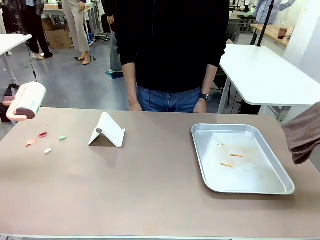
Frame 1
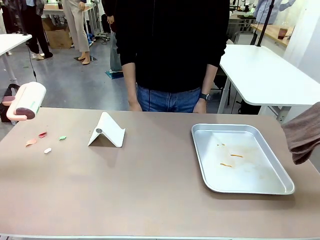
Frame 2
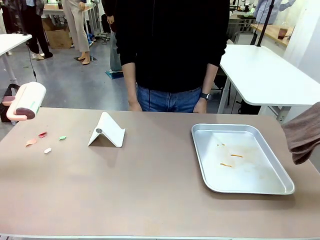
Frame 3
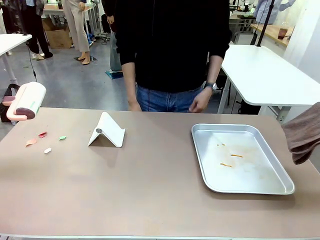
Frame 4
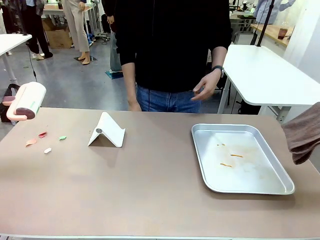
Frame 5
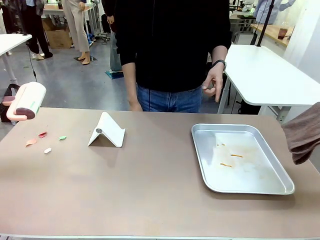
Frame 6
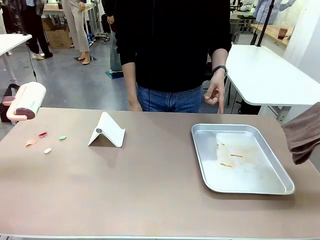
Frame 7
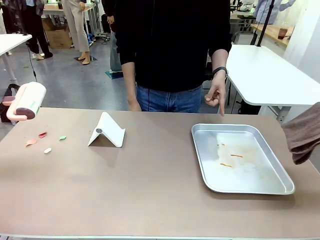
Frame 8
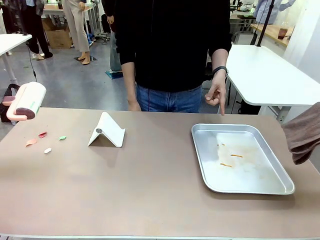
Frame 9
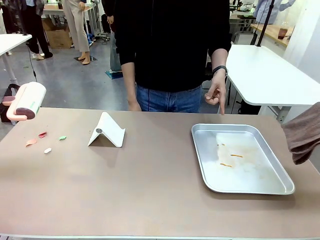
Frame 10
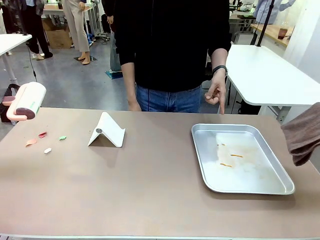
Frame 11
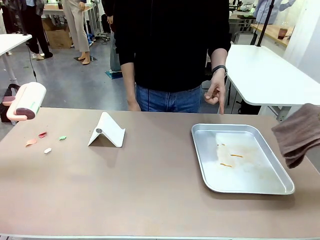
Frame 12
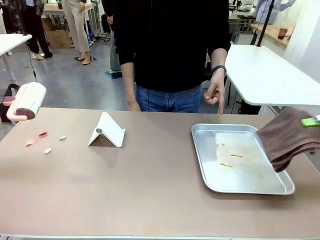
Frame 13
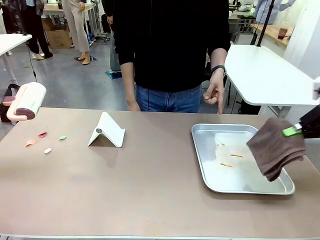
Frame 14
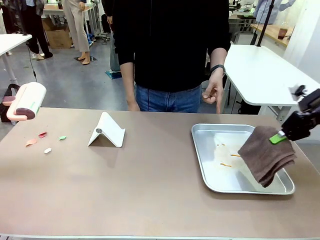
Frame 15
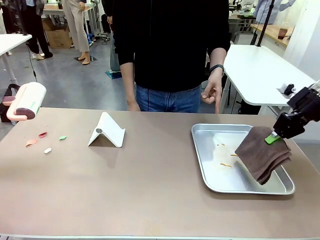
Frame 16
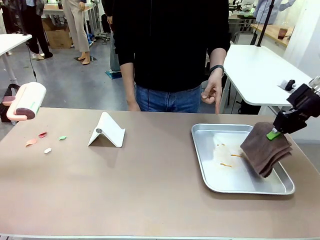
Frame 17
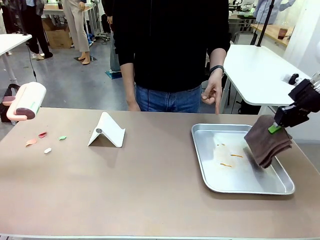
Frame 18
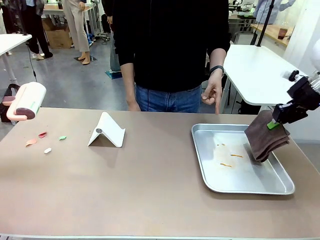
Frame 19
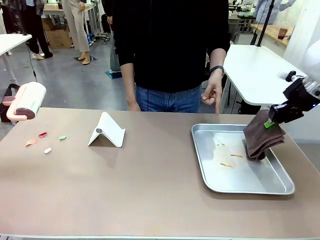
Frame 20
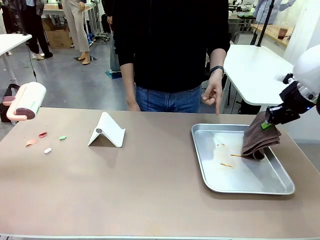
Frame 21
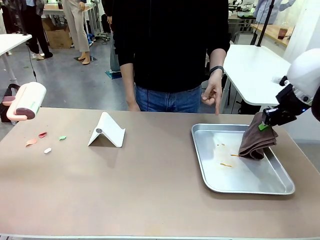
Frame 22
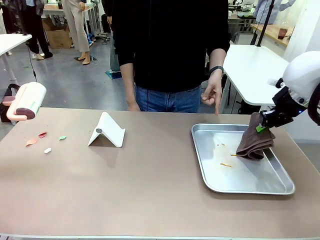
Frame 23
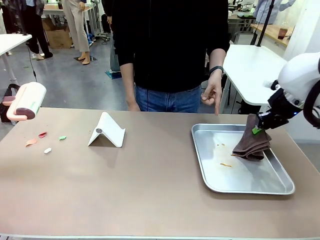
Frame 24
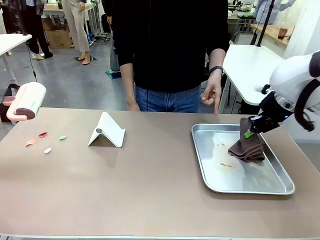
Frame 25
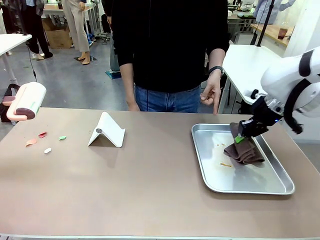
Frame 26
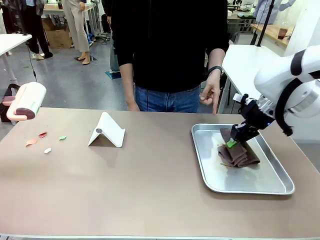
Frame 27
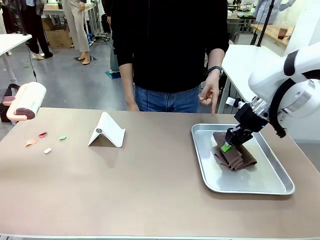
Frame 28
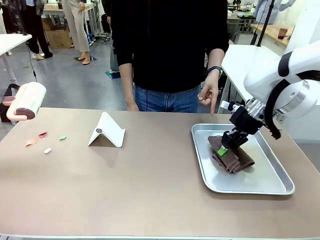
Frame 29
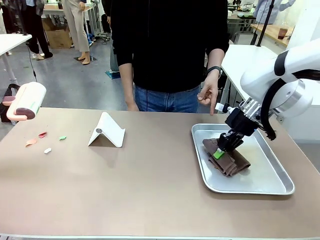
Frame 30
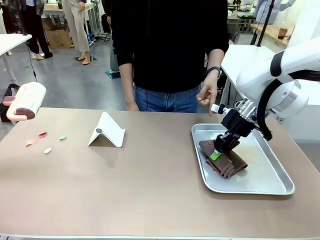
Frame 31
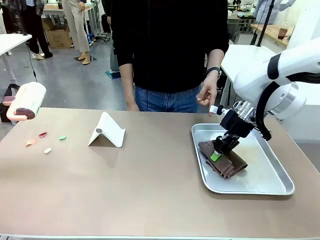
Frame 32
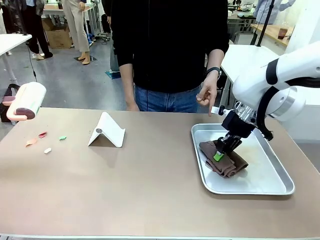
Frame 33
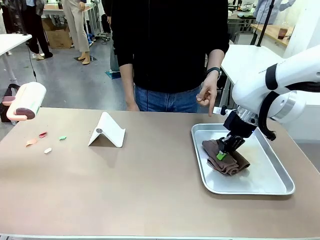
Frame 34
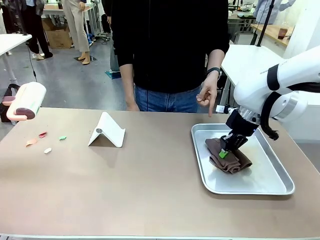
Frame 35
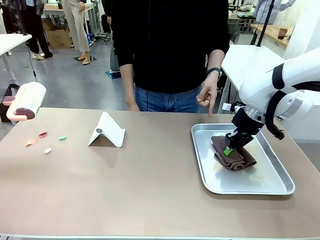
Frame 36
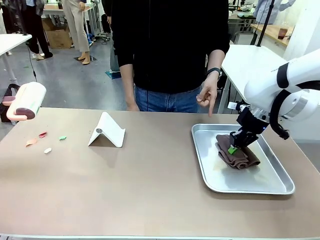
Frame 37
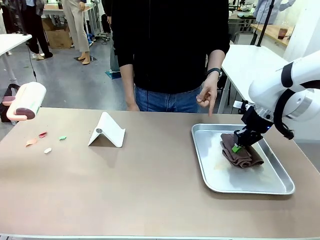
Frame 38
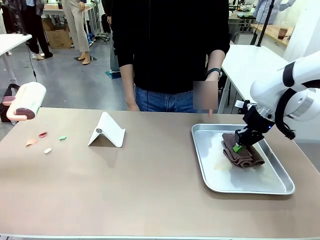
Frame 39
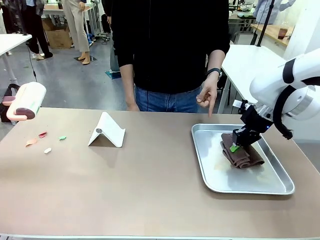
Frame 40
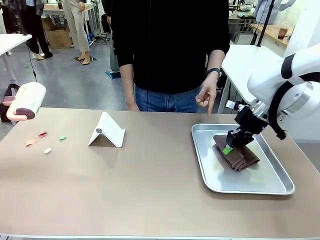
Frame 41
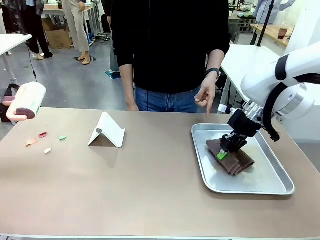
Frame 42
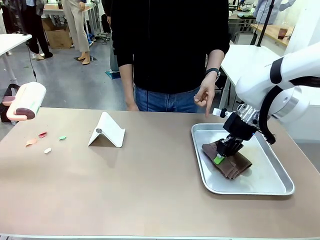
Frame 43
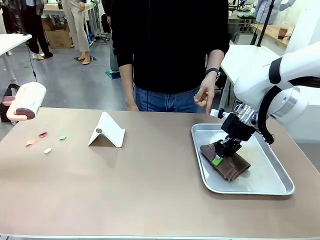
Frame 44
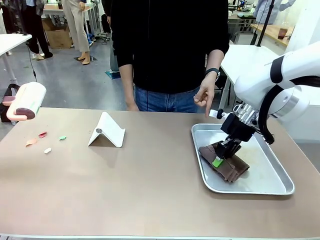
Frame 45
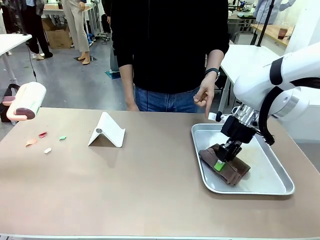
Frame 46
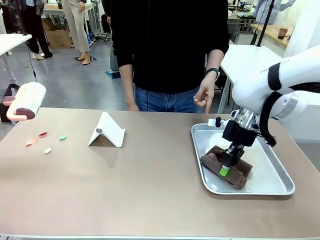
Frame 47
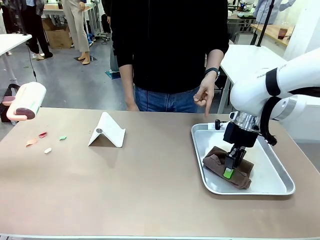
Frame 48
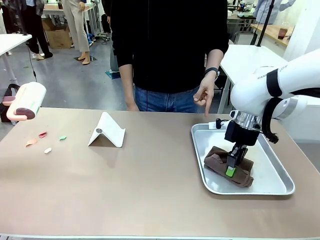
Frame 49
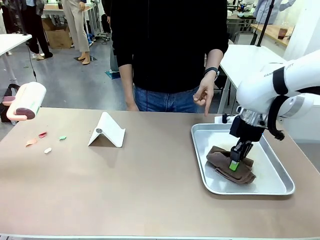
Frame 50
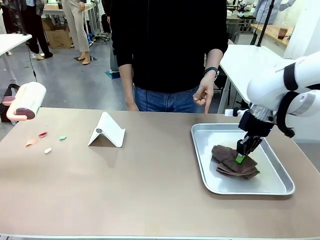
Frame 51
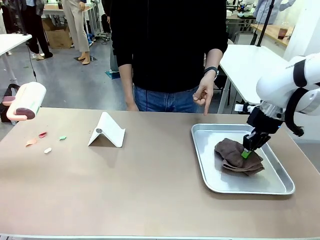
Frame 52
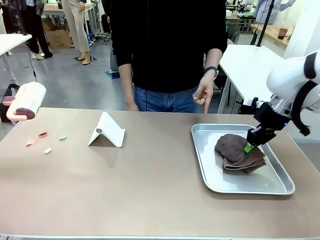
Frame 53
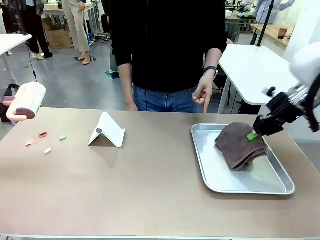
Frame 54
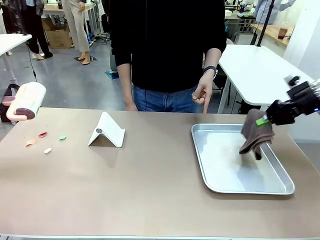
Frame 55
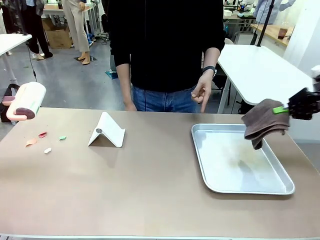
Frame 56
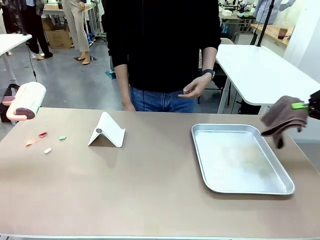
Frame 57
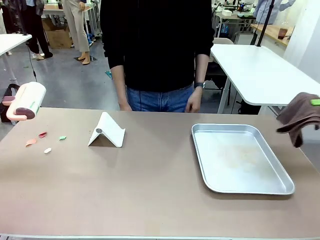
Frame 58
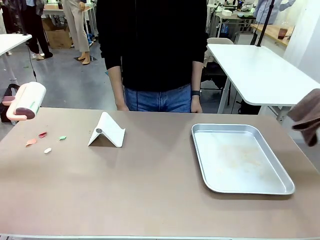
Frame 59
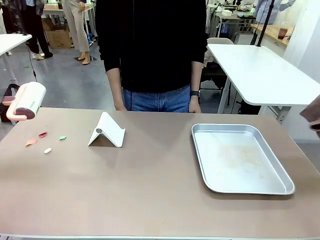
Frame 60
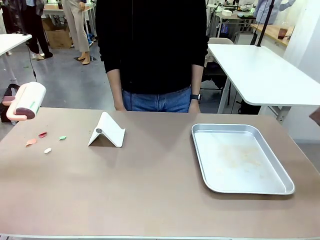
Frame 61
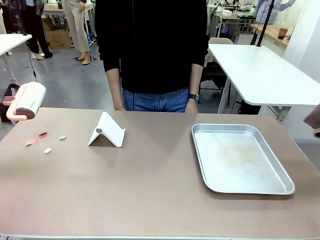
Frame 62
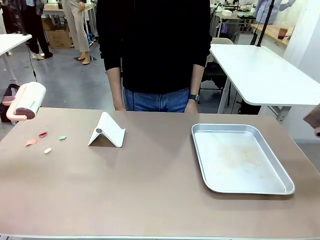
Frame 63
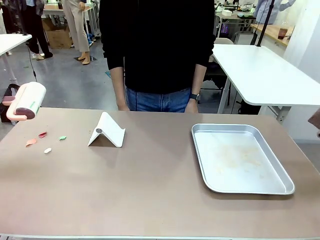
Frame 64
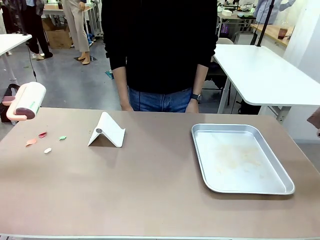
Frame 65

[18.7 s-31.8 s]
Task: Clean the surface of the table.
Robot: If a person points to the right, clean the right side of the table with your right hand, and if they point to the left, clean the left side with your left hand.

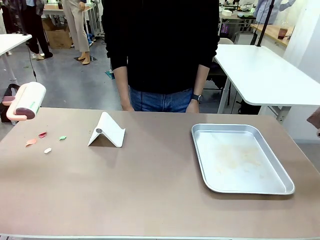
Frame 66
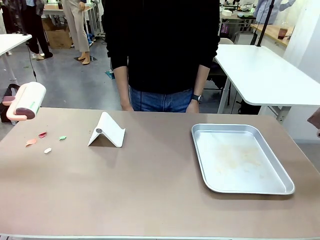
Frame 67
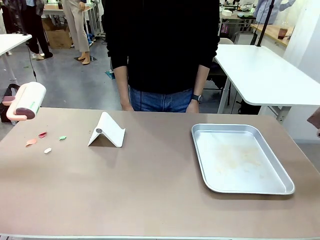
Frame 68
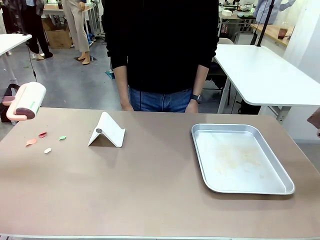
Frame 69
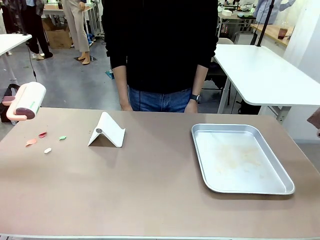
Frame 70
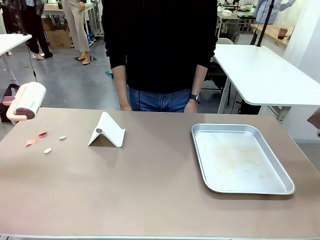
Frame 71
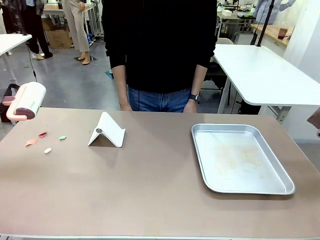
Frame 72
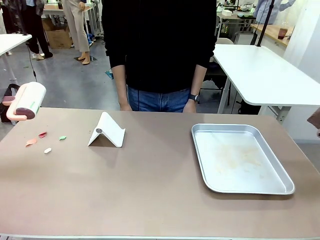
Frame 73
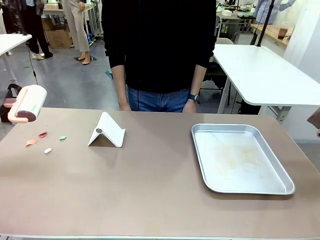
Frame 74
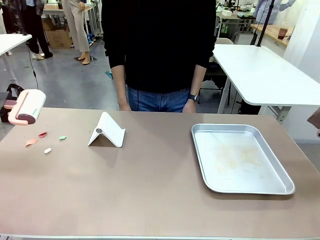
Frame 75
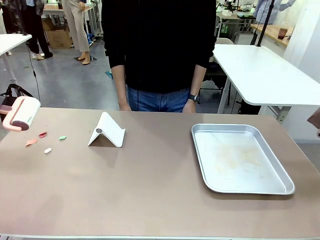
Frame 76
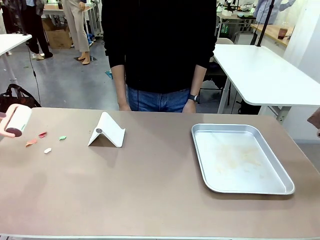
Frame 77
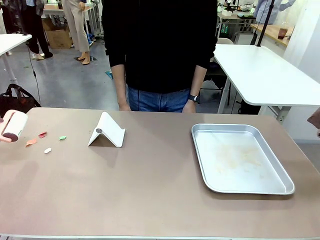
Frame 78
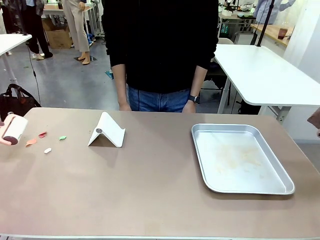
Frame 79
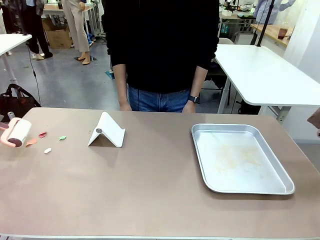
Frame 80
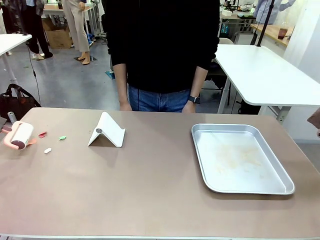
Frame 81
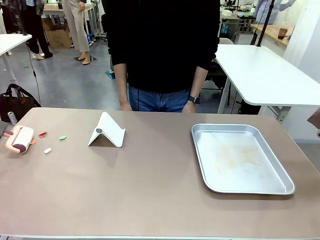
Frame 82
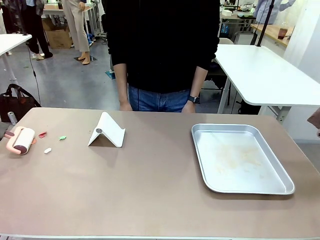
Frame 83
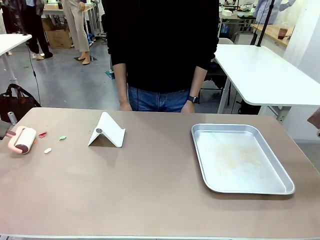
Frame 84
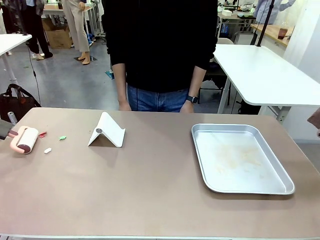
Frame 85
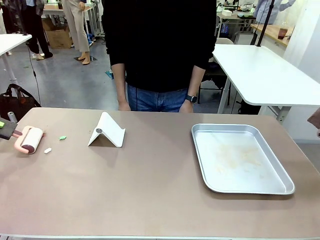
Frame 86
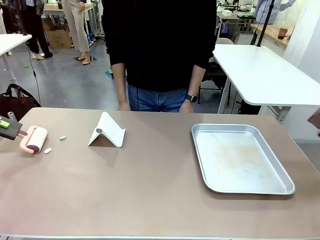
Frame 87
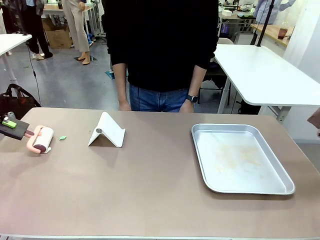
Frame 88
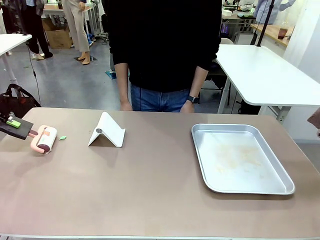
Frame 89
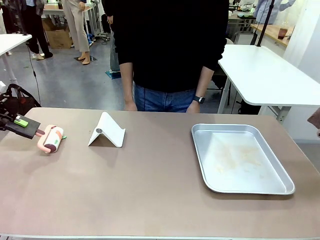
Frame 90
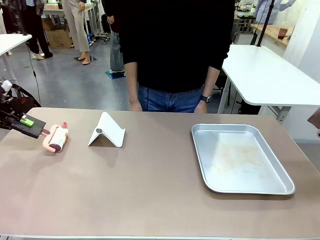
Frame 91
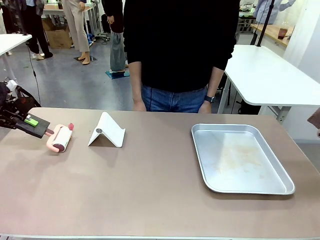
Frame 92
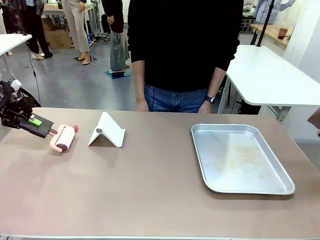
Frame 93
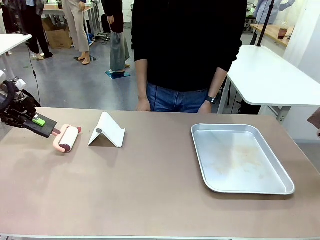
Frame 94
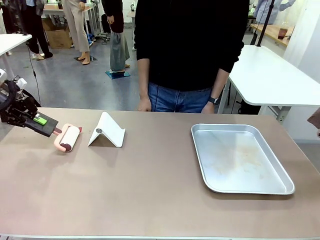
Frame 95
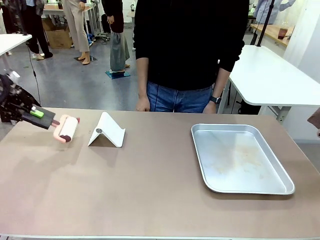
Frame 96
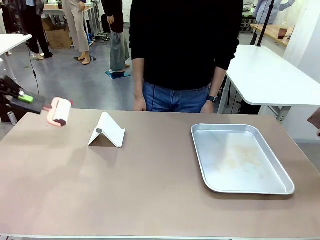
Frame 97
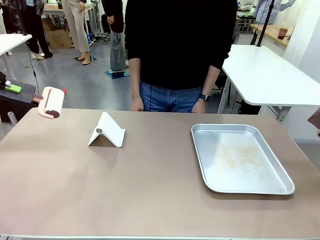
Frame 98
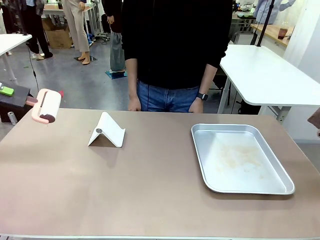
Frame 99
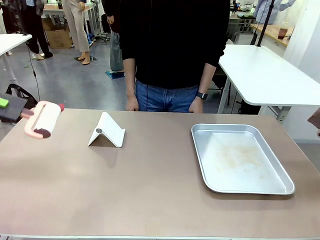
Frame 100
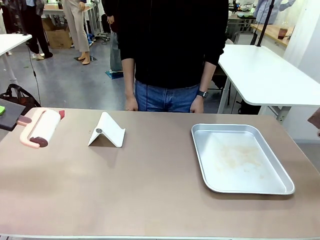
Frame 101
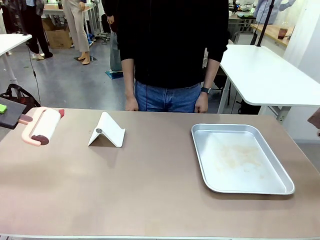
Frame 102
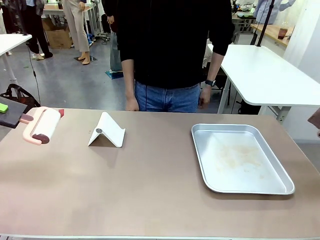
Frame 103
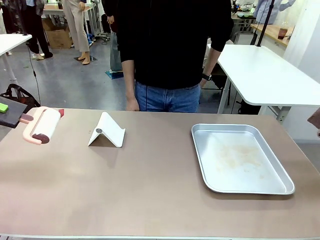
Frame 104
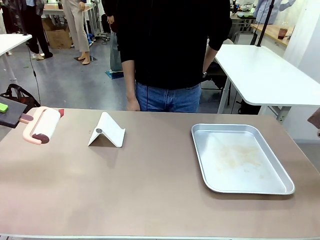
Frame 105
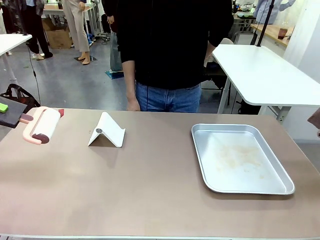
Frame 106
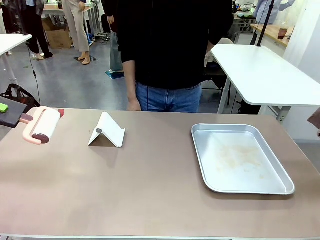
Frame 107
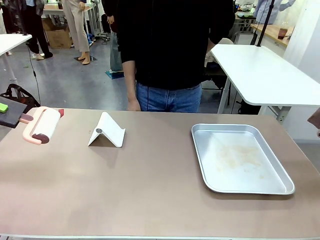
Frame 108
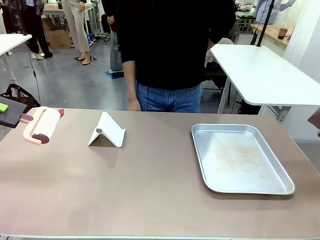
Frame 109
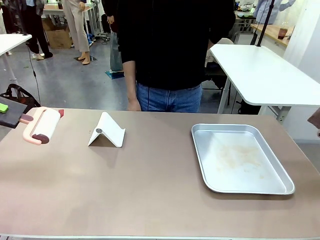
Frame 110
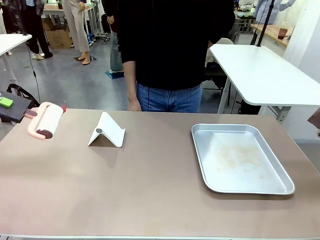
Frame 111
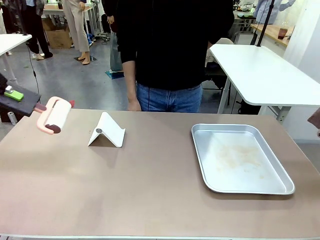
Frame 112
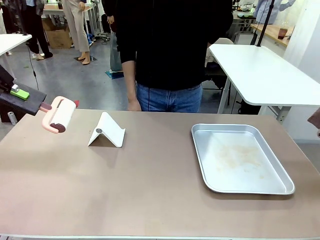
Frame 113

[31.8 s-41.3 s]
Robot: Clean the area not pointed to by the person.
